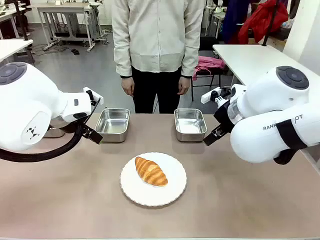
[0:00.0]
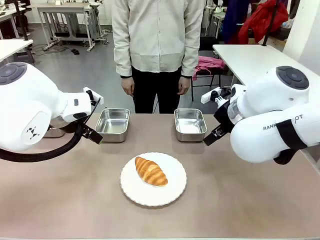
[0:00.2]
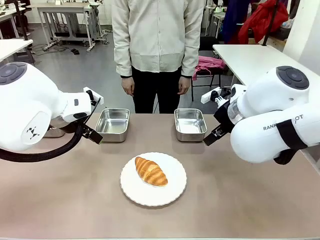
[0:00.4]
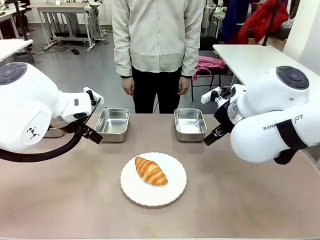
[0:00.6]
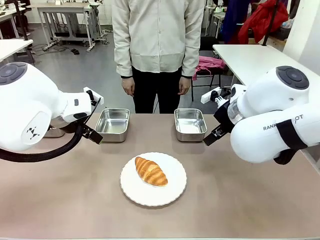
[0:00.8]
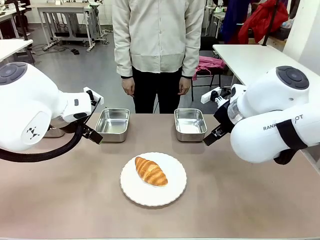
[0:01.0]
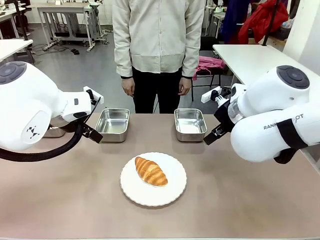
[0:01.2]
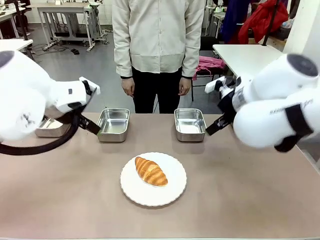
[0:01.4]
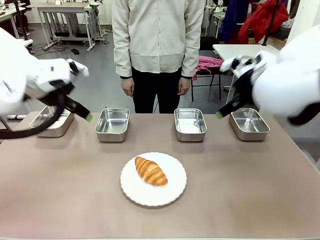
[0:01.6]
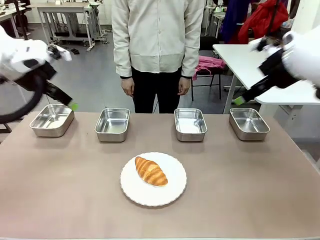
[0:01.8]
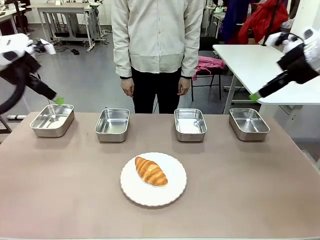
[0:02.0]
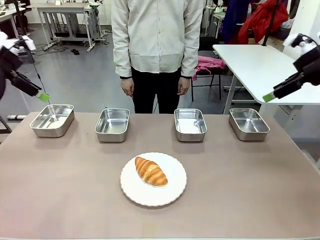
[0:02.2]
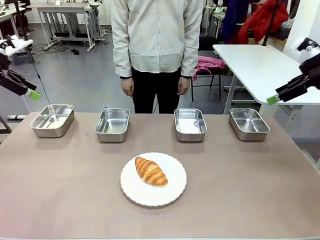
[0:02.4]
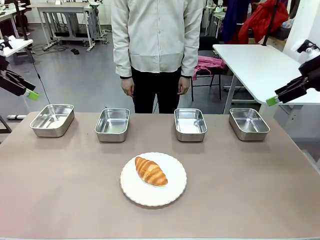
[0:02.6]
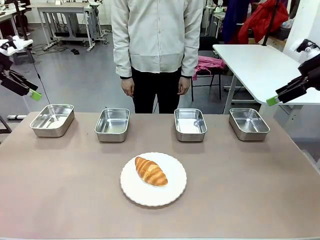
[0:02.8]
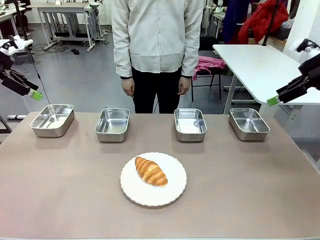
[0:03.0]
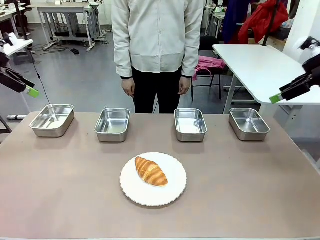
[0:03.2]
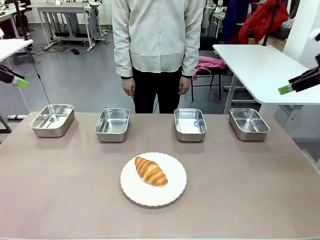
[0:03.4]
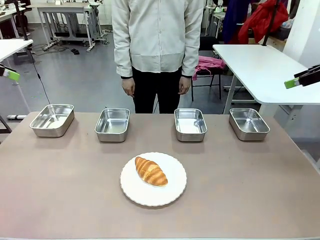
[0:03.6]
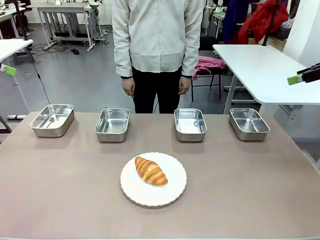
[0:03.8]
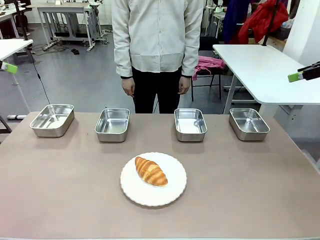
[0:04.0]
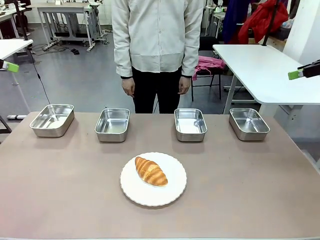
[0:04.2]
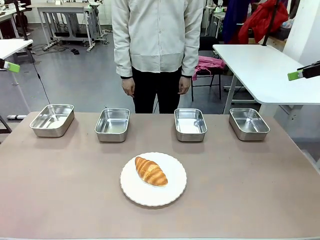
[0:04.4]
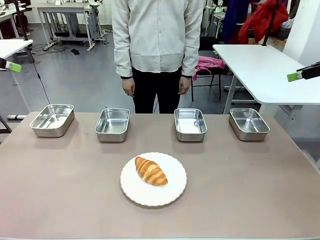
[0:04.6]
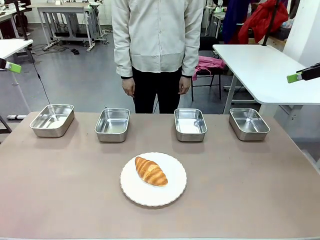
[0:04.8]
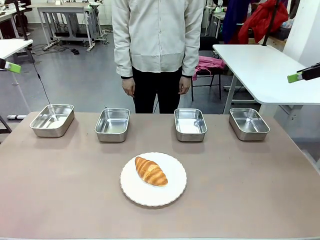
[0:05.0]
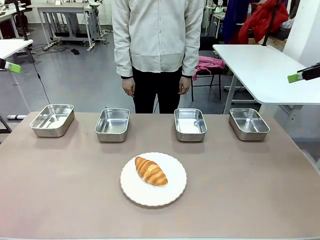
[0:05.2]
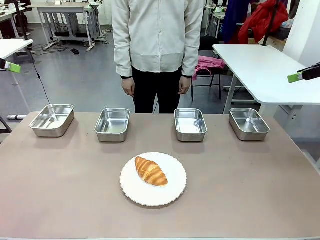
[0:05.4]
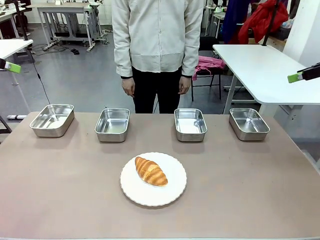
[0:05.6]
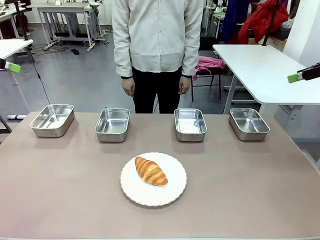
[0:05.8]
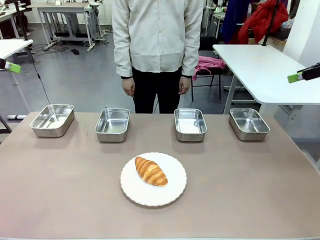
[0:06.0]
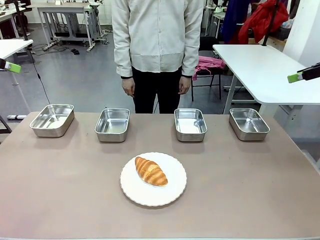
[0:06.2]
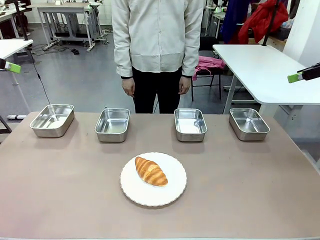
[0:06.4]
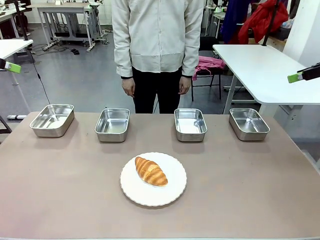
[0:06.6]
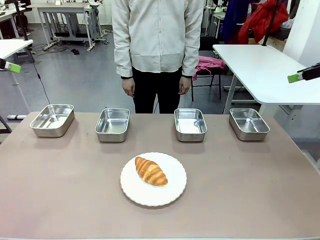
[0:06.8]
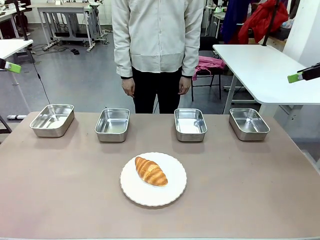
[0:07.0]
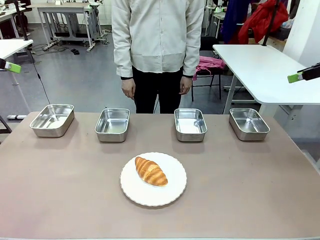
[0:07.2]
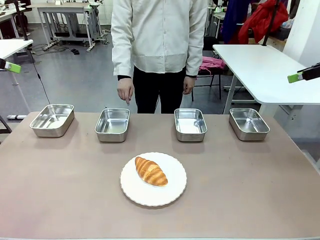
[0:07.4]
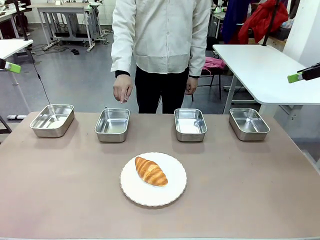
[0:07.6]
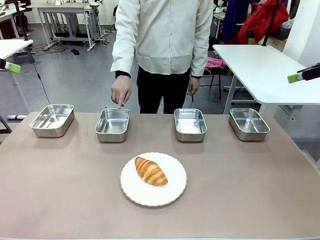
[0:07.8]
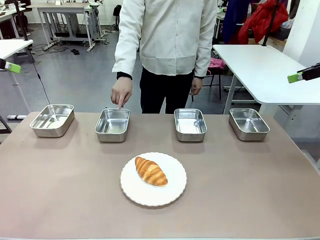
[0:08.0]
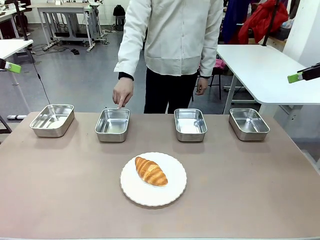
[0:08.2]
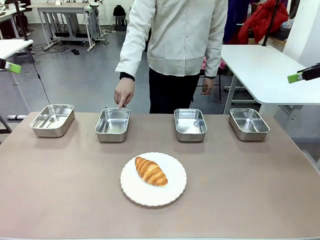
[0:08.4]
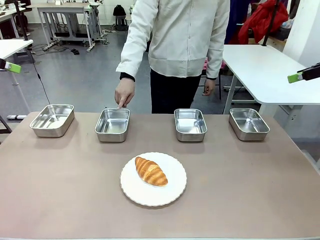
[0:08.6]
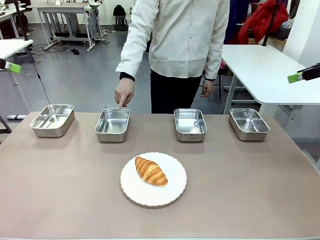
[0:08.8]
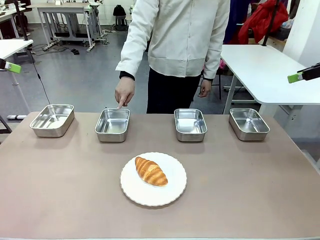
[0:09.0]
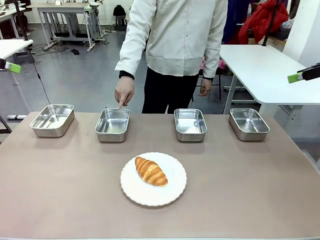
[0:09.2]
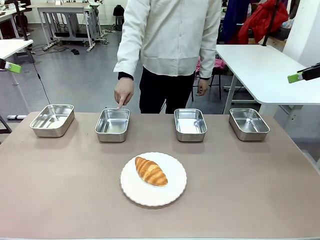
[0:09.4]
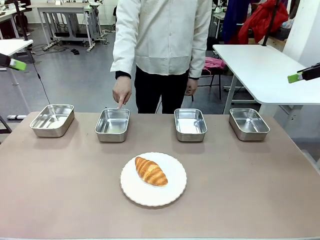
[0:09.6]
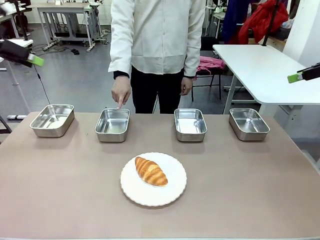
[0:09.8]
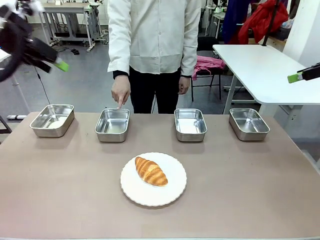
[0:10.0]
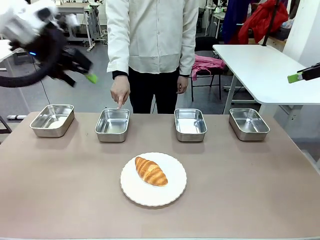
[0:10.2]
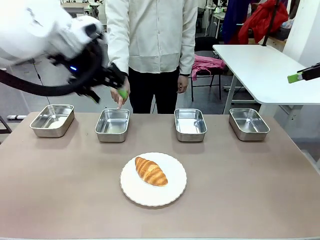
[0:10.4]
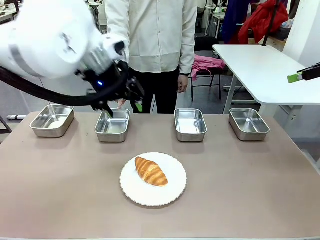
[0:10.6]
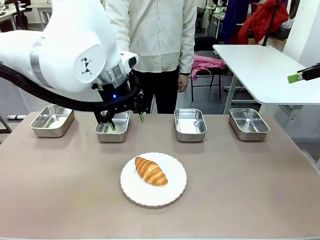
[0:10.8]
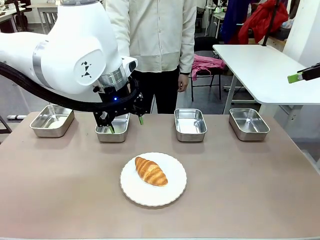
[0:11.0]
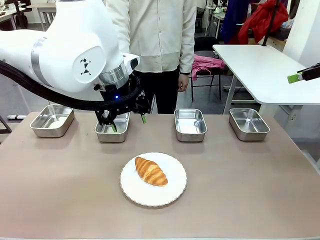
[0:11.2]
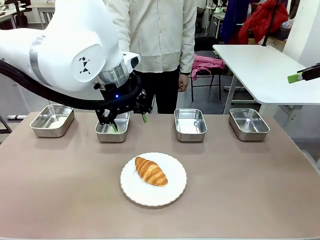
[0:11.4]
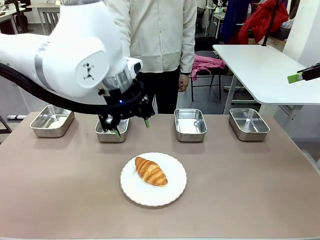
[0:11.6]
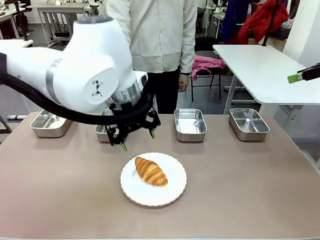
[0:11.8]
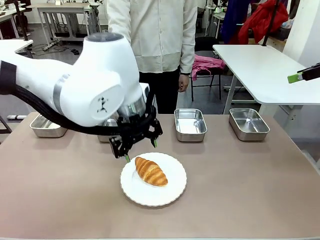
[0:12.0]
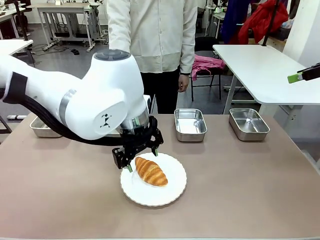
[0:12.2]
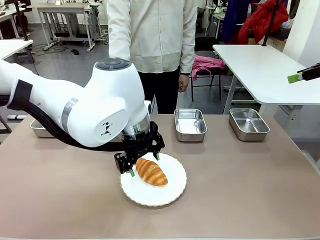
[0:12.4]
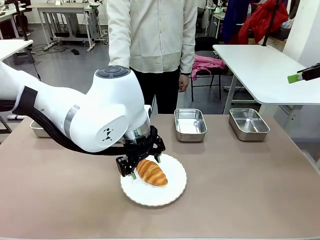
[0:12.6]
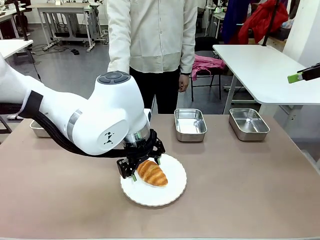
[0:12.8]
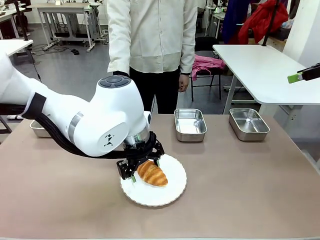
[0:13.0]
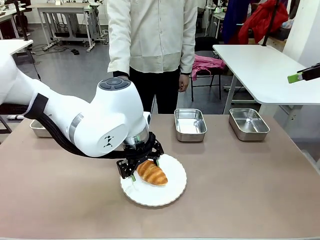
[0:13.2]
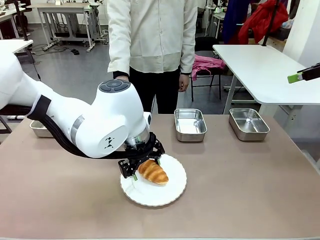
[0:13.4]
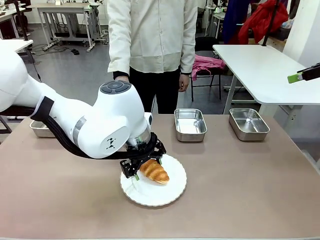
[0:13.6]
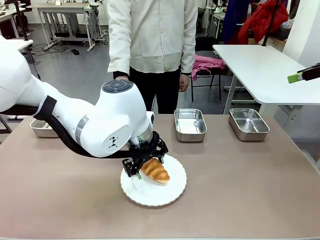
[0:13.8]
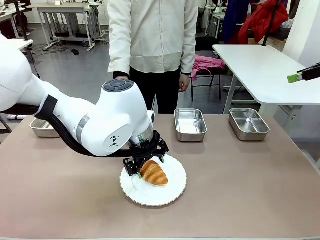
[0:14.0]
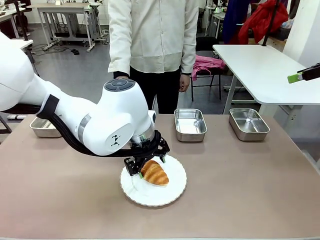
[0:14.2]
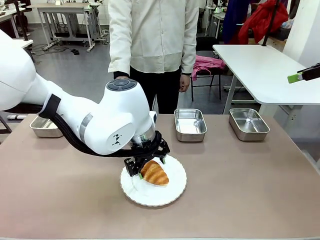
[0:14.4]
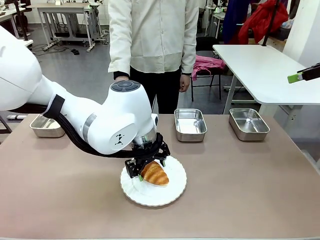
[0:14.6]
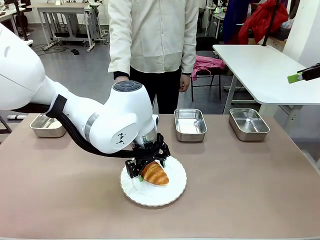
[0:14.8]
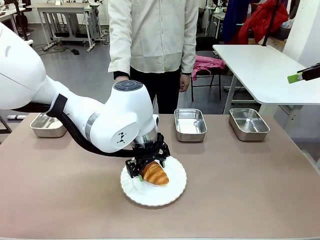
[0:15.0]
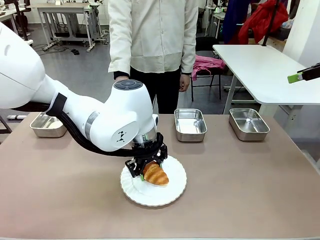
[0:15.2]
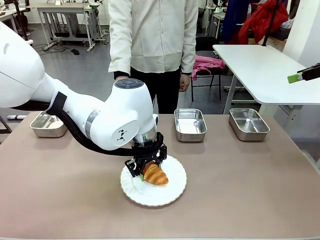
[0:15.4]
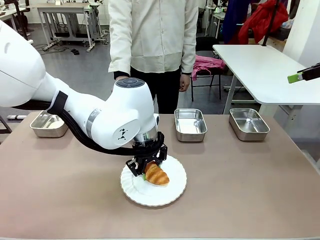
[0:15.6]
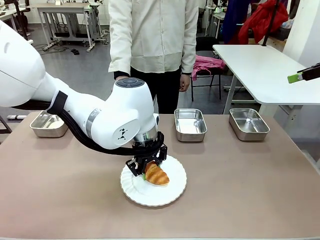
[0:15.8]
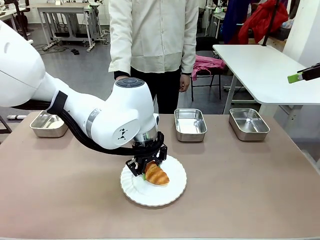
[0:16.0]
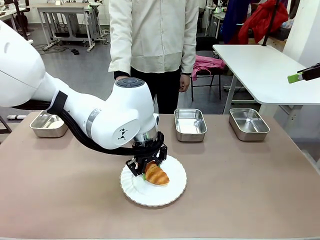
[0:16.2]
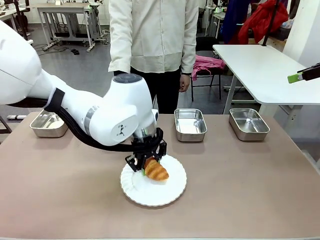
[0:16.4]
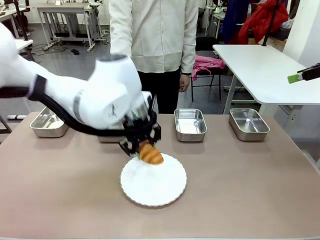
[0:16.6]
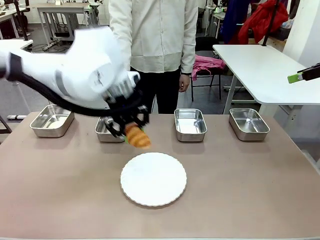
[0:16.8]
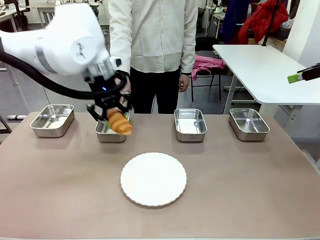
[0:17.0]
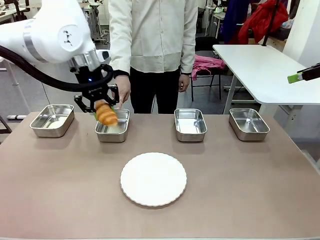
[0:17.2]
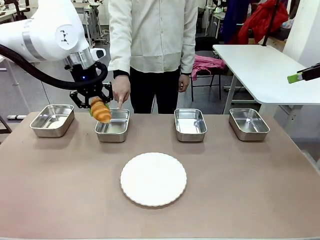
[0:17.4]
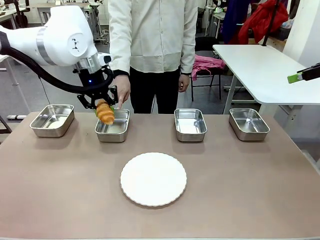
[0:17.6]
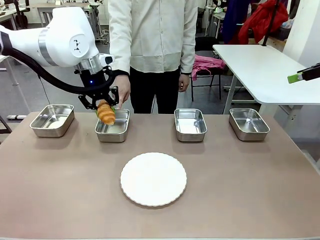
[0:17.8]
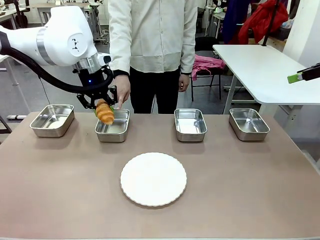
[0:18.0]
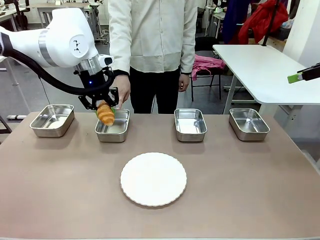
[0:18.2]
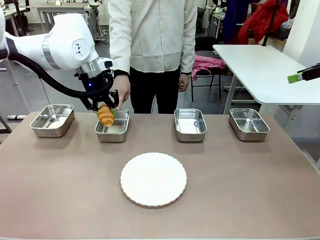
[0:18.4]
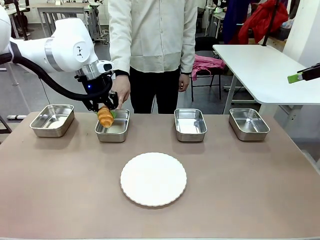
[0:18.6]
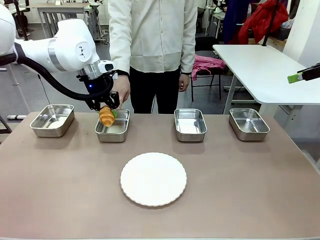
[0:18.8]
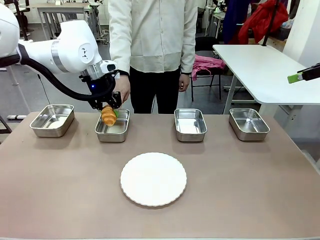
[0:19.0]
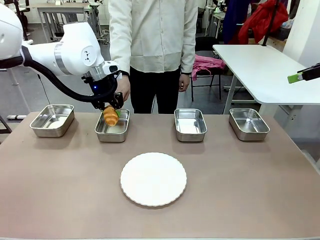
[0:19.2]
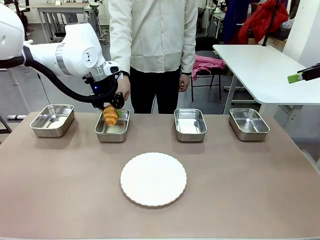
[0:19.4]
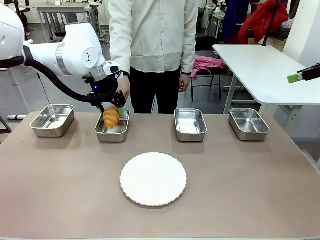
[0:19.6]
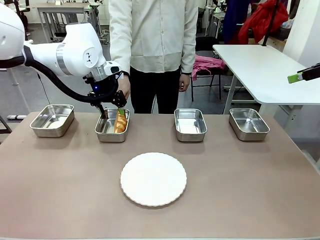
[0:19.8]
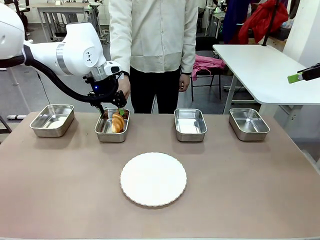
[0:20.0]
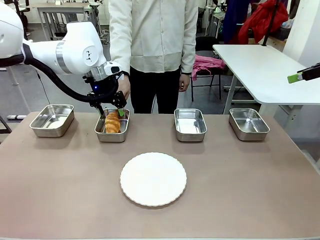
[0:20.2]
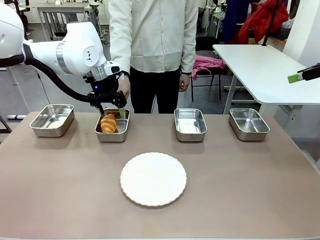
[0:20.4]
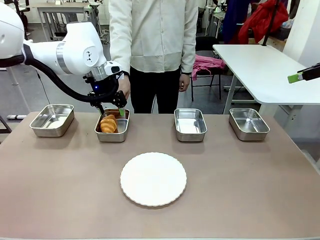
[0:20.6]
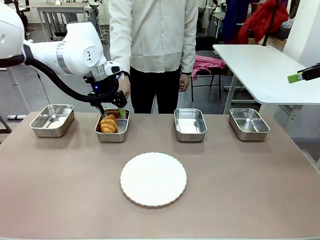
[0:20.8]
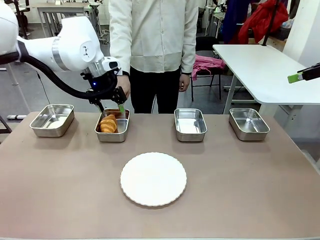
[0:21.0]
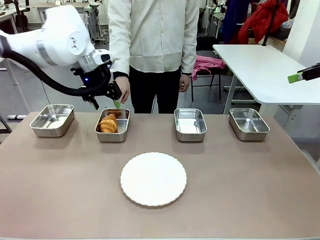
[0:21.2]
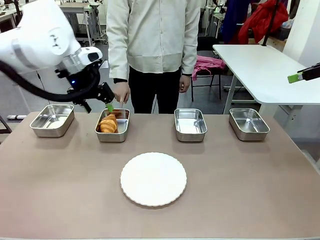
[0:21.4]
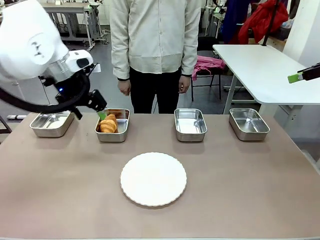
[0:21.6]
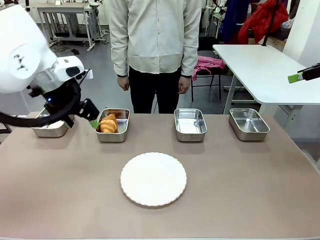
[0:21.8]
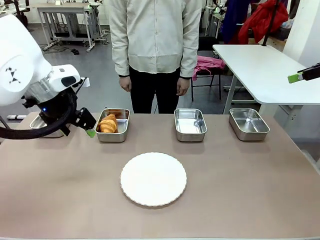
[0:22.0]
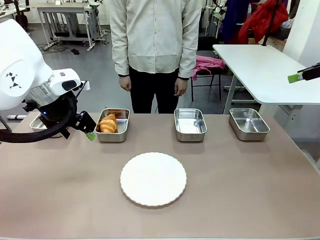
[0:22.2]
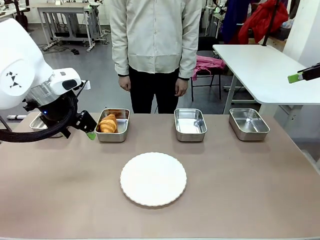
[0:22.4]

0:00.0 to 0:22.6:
Task: Place the bread in the container.
Robot: Place the Butter Roll into the Airtight Container indicated by the human.
Person: A person randomly selects and points to an Airtight Container.
